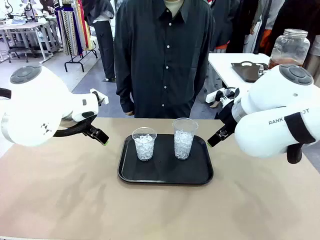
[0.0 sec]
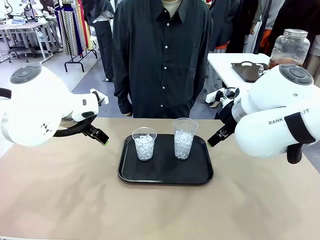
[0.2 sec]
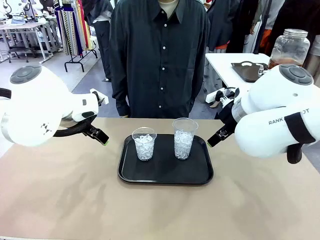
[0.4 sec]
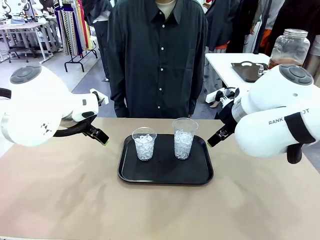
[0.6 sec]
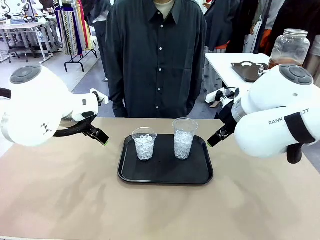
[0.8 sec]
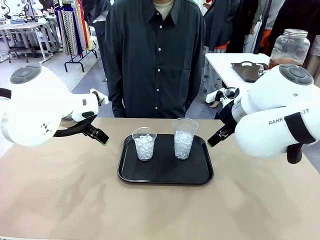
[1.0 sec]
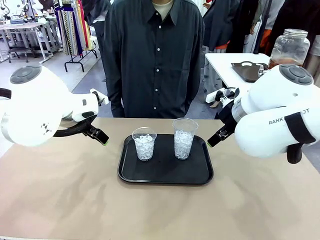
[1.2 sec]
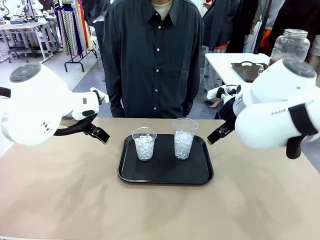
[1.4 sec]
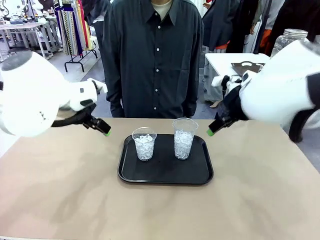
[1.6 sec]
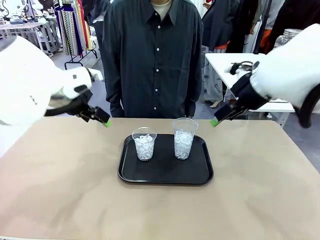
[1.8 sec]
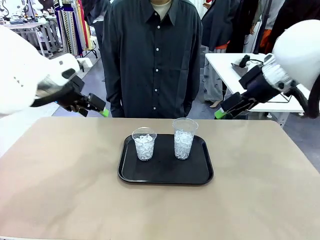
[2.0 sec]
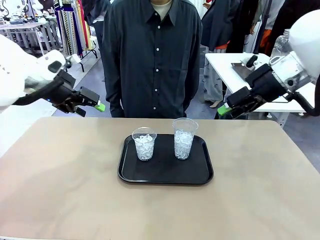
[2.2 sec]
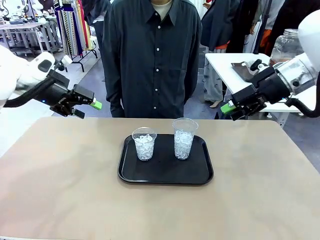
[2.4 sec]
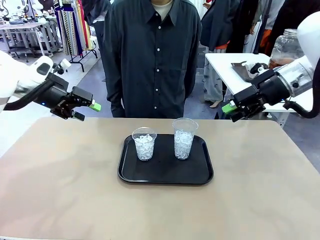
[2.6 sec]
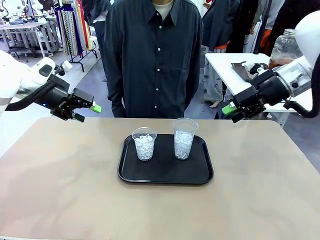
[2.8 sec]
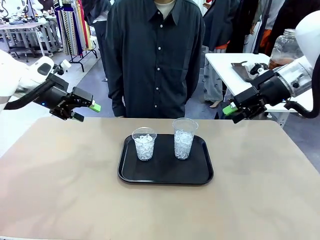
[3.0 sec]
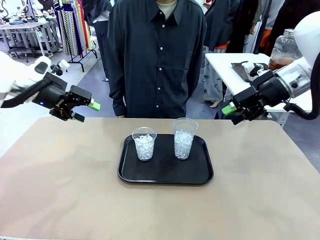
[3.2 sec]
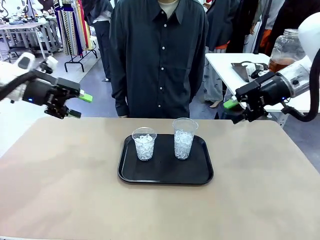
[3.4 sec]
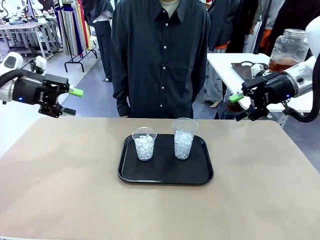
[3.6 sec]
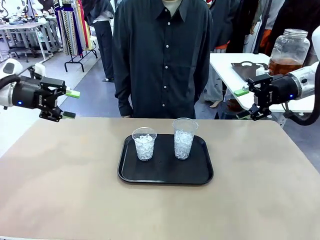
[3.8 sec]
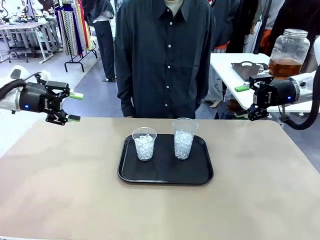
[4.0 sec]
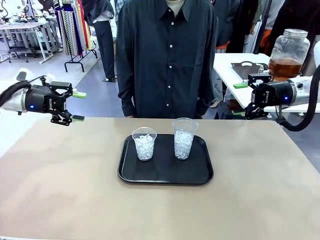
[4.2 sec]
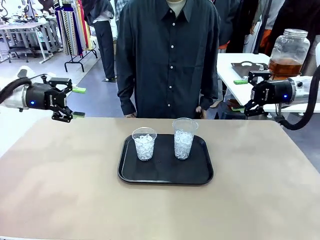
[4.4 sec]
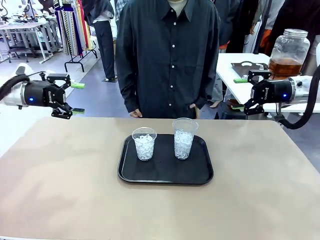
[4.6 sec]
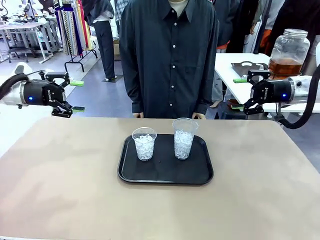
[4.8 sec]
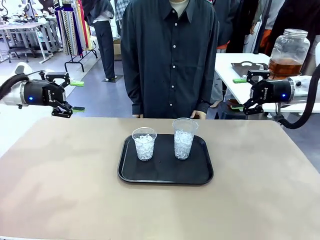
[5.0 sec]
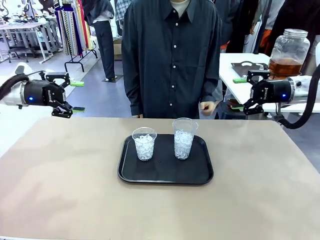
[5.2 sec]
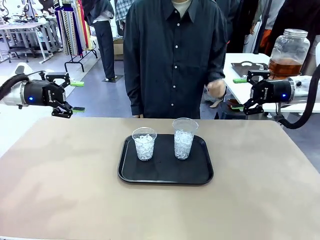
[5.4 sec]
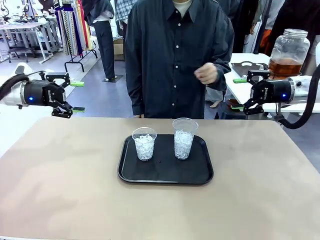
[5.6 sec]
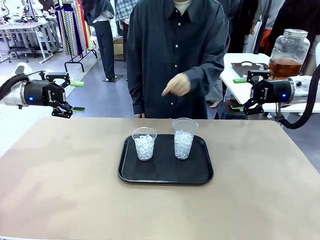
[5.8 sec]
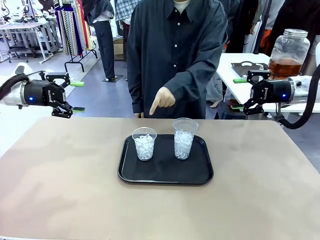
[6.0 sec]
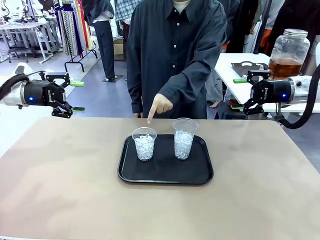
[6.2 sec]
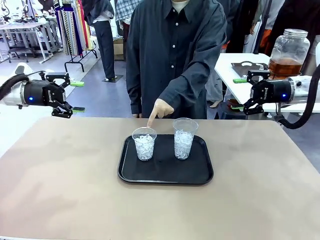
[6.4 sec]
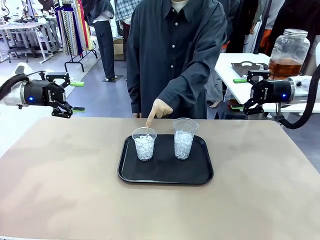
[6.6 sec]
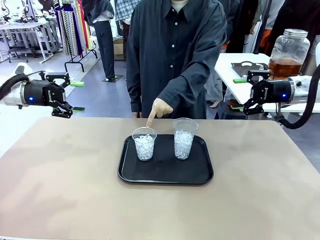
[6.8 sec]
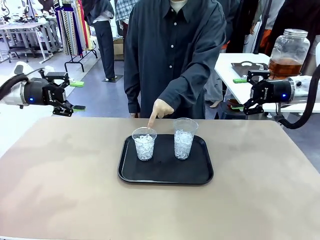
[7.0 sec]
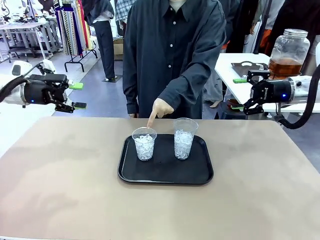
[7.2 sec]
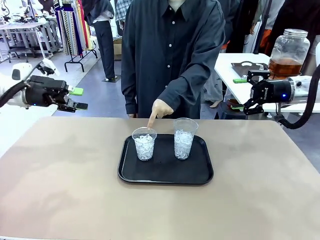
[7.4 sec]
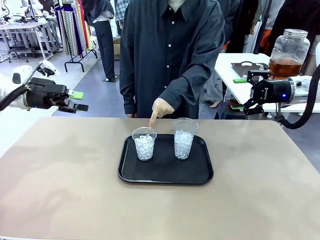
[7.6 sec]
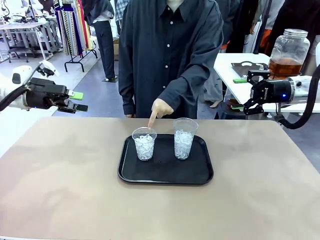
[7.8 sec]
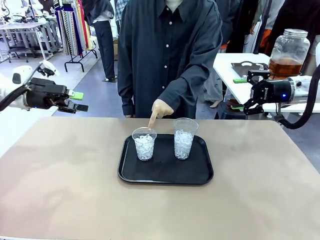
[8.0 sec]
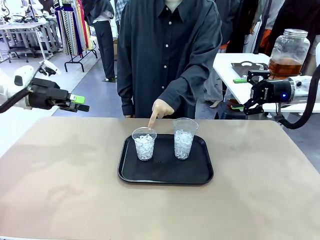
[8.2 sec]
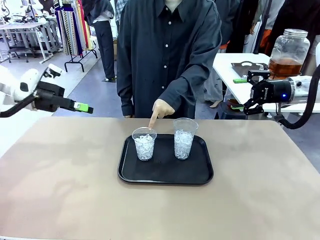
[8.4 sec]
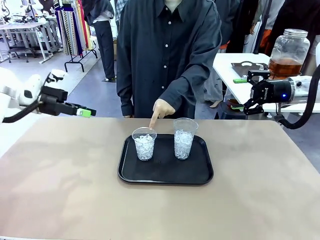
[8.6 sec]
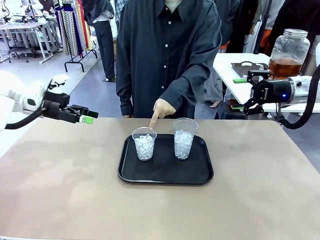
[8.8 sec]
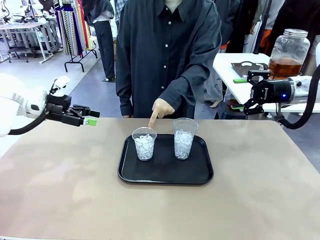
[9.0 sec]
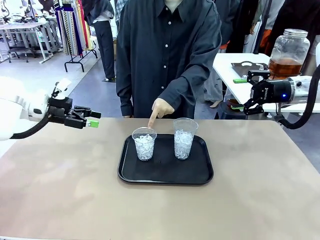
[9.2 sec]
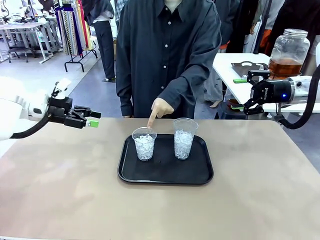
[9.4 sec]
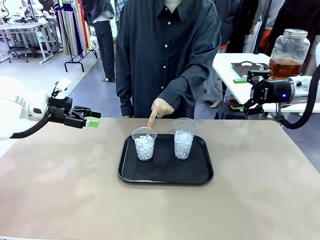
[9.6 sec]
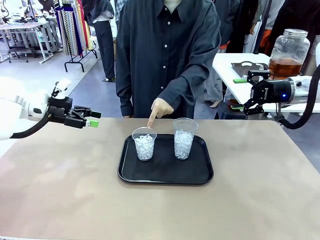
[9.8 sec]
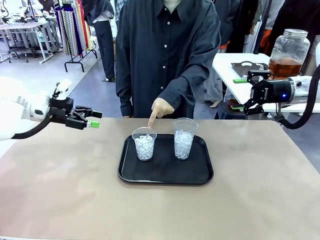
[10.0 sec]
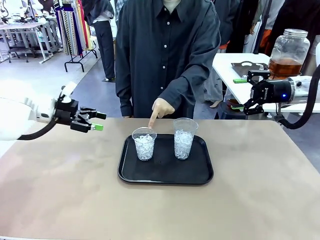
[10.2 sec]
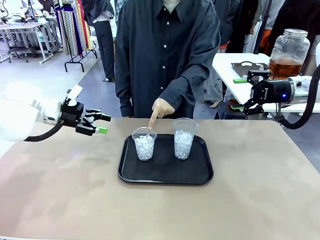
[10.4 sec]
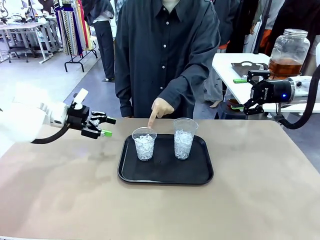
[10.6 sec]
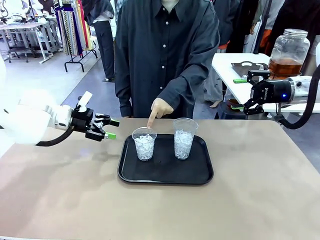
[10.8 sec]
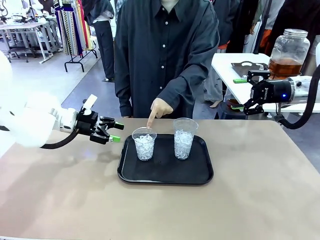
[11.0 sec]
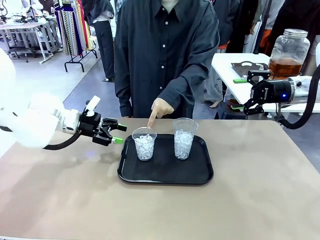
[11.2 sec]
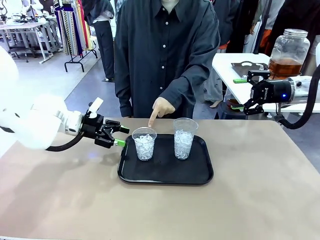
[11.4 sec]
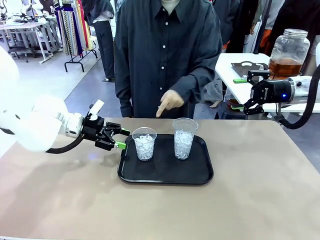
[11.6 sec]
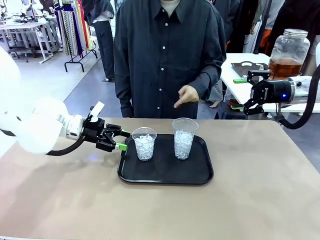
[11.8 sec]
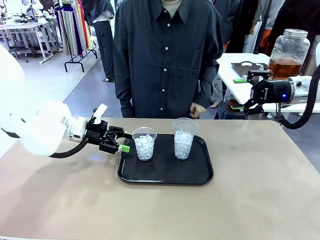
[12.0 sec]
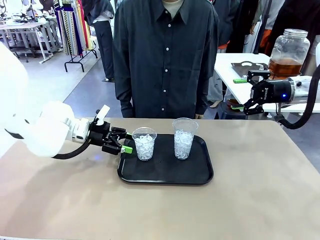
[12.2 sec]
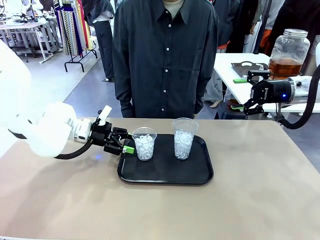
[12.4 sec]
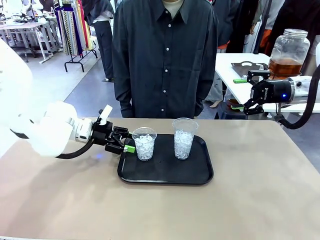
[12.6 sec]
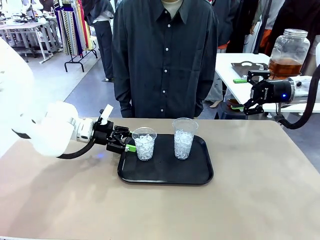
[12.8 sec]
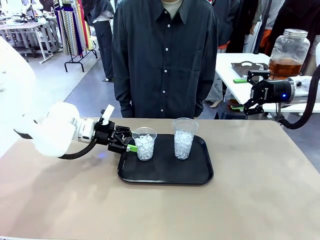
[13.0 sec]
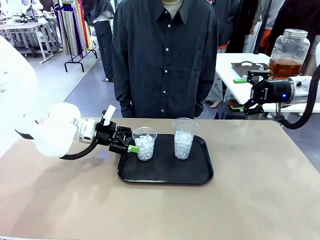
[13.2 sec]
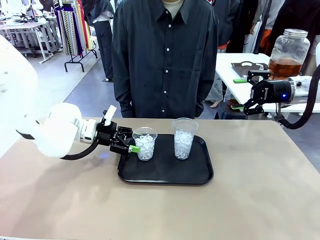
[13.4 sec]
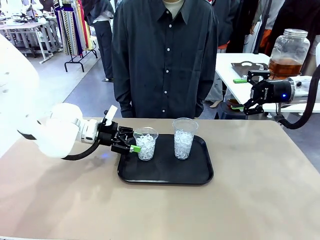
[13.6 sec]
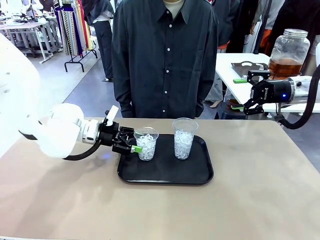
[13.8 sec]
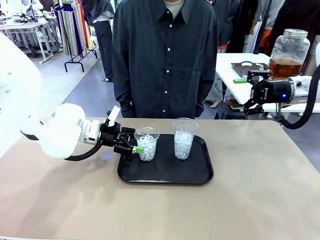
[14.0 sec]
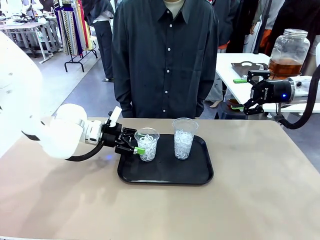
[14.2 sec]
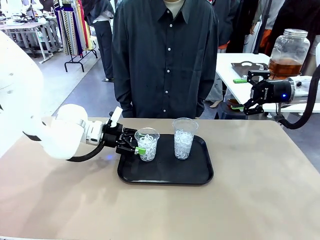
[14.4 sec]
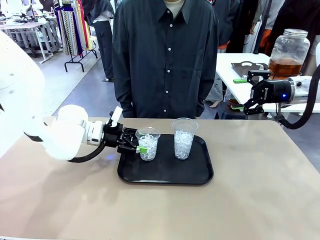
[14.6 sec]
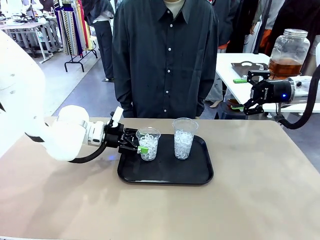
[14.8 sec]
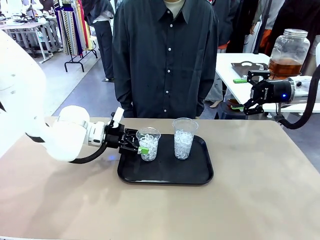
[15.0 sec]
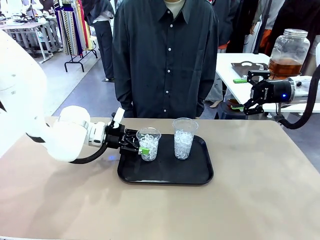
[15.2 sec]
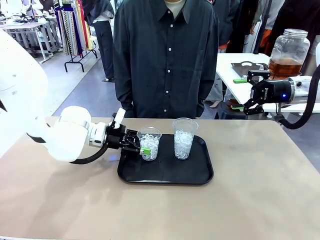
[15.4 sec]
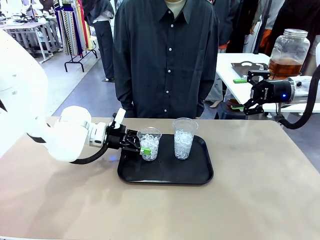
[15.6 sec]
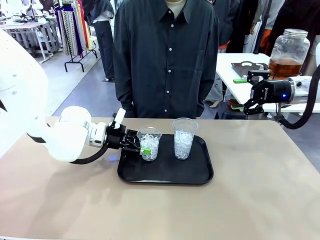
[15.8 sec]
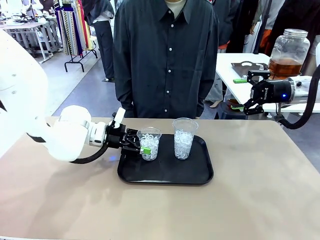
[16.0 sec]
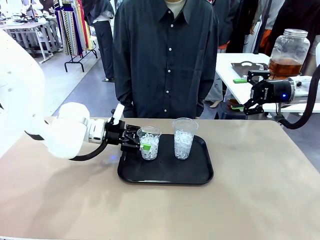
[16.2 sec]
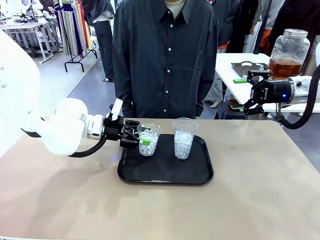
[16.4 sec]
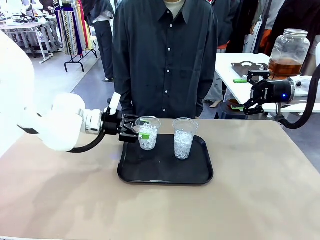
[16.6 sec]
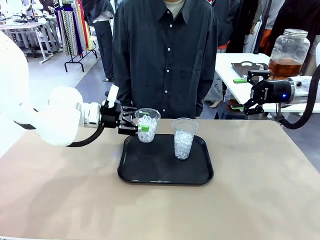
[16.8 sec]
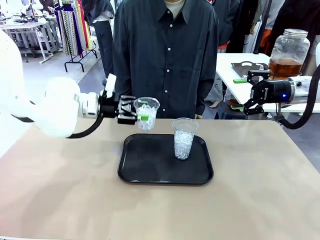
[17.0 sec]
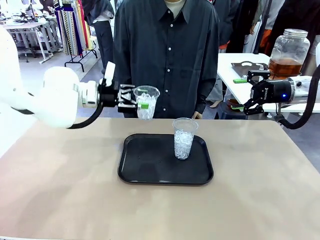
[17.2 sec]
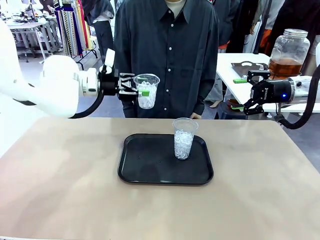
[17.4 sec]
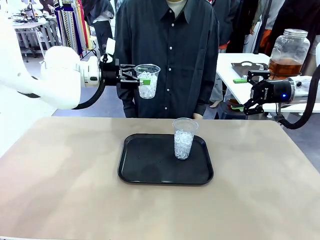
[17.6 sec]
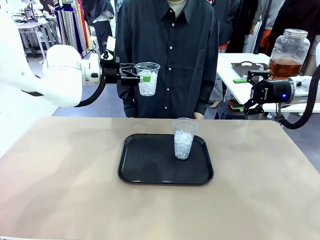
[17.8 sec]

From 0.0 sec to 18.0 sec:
Task: Pour the drink into the iced cup.
Robot: Pick up the iced cup indicated by the human and present it to them.
Person: Point to one of the two ice cups. Pick up the cup offered by the robot.

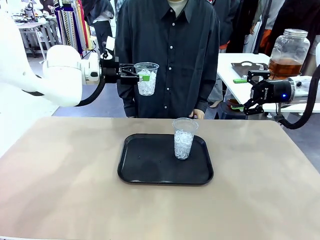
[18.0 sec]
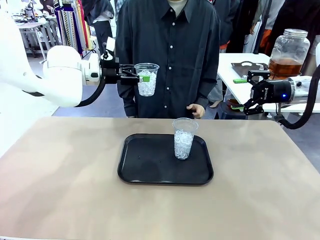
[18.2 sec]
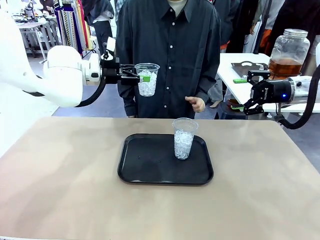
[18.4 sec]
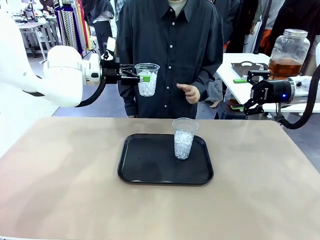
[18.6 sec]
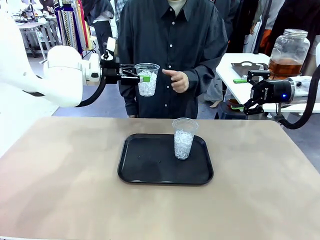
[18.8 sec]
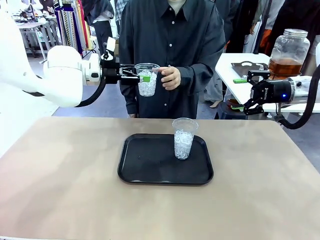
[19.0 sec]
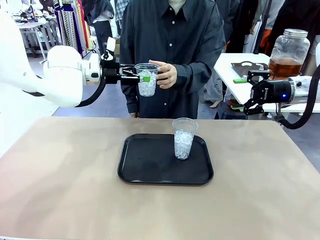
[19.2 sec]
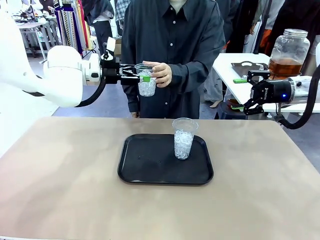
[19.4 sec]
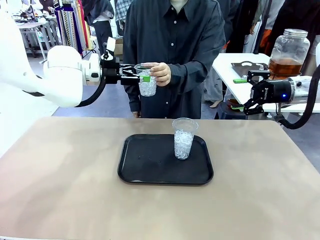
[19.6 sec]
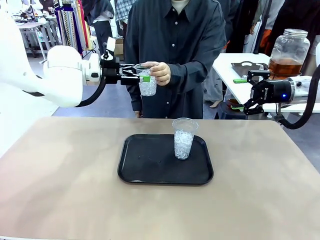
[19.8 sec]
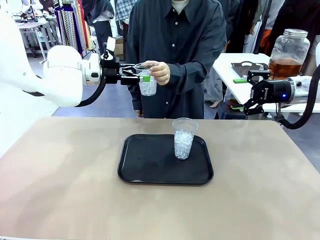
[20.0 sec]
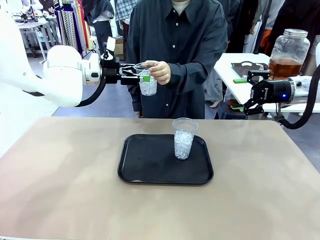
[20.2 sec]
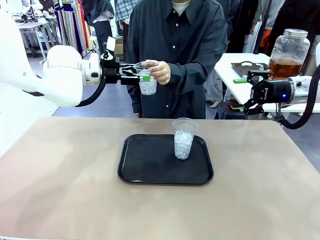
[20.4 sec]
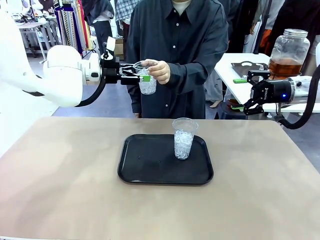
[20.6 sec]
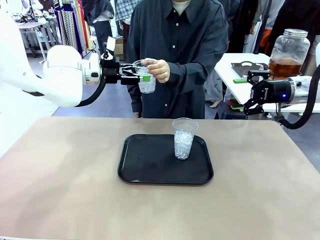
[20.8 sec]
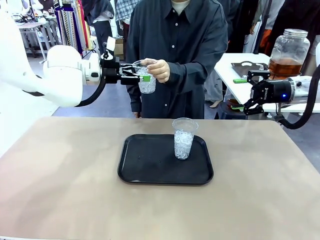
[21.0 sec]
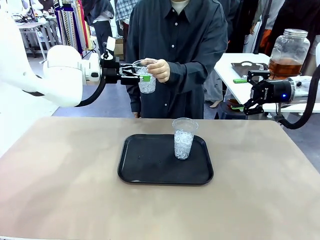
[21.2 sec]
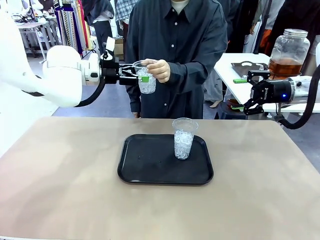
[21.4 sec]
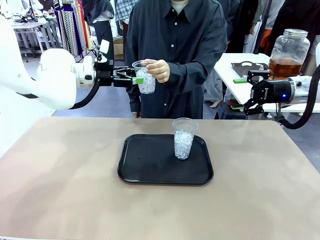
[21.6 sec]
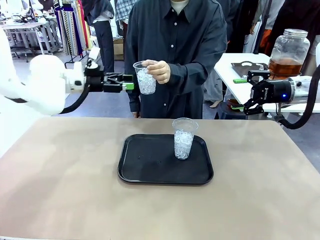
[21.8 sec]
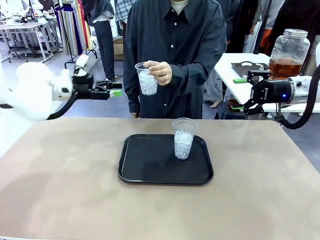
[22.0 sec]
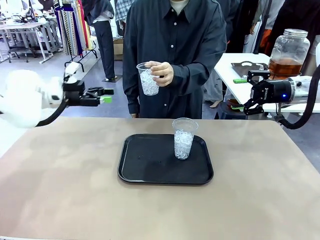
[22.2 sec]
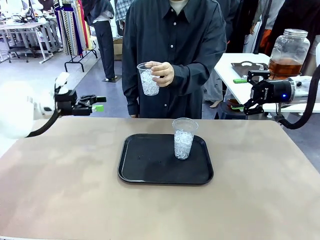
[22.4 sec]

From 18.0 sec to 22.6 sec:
Robot: Open the gripper to release the iced cup you were holding.
